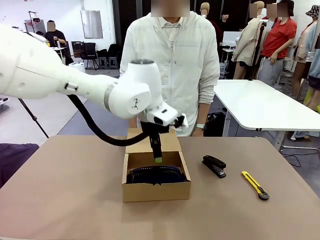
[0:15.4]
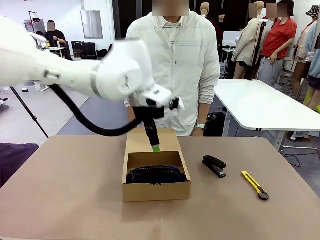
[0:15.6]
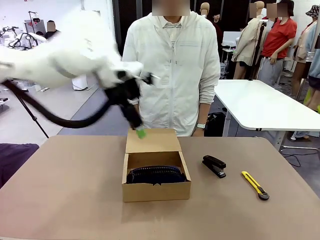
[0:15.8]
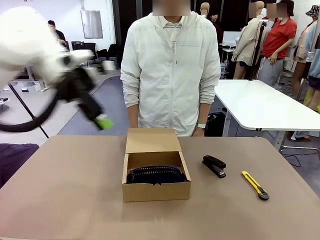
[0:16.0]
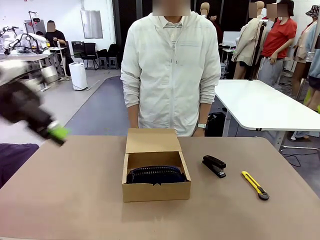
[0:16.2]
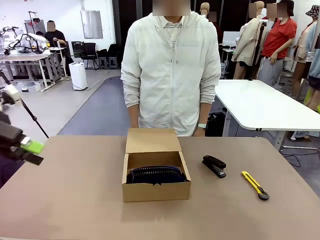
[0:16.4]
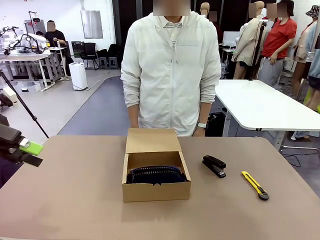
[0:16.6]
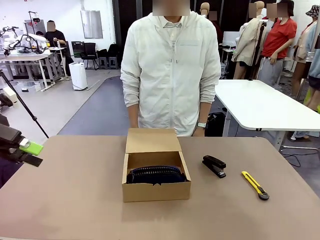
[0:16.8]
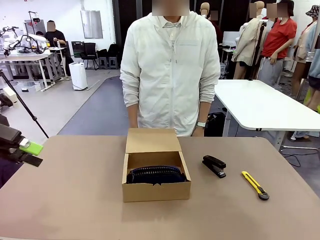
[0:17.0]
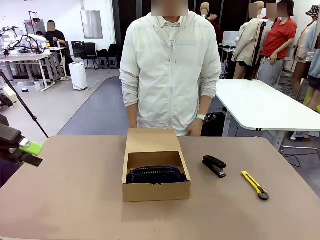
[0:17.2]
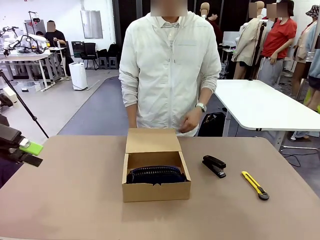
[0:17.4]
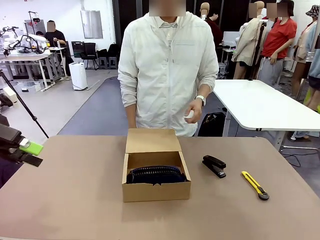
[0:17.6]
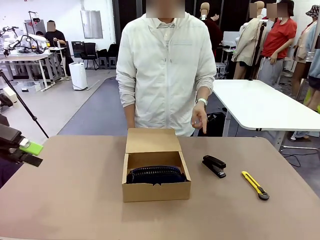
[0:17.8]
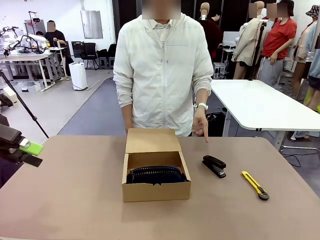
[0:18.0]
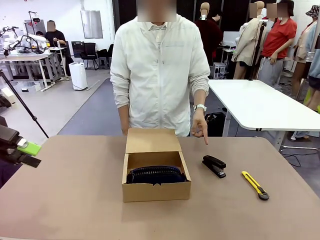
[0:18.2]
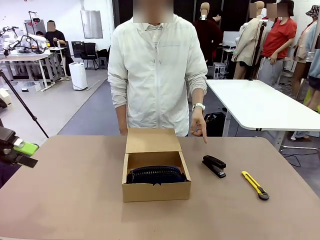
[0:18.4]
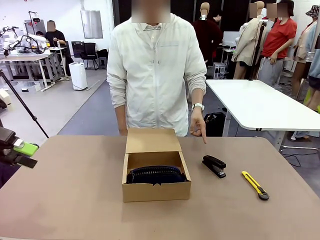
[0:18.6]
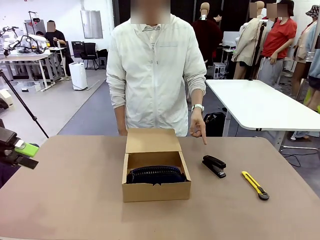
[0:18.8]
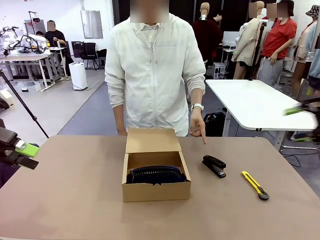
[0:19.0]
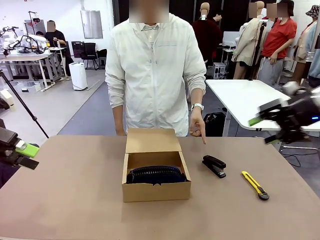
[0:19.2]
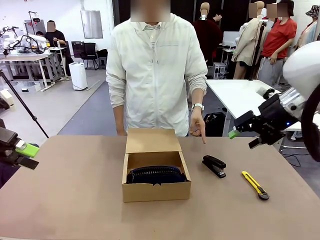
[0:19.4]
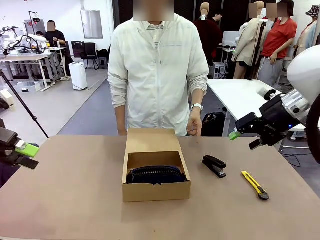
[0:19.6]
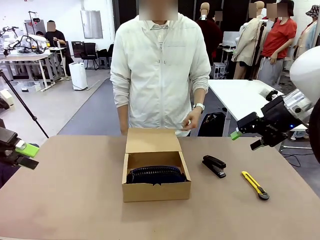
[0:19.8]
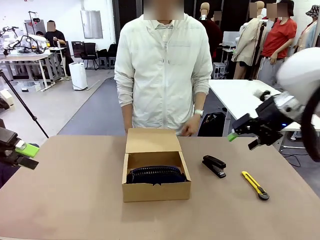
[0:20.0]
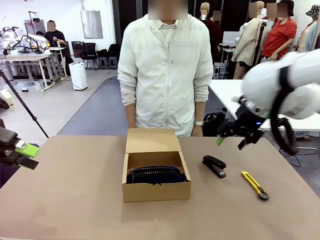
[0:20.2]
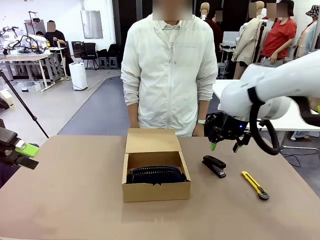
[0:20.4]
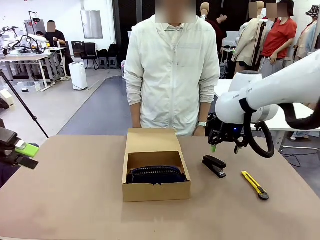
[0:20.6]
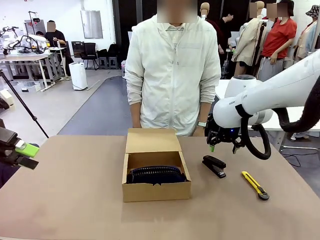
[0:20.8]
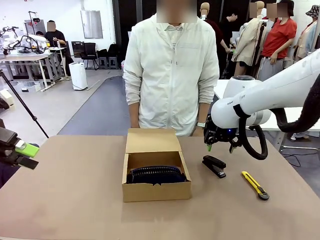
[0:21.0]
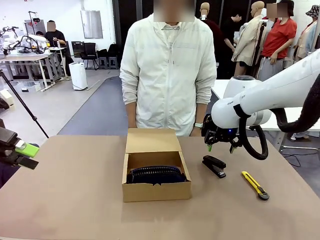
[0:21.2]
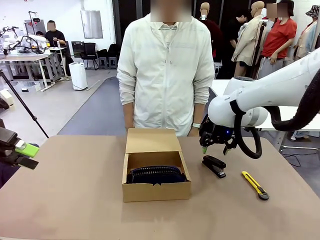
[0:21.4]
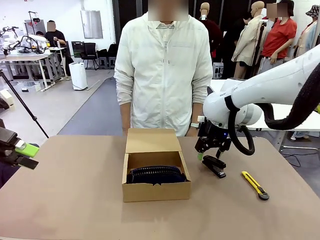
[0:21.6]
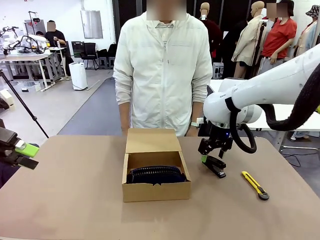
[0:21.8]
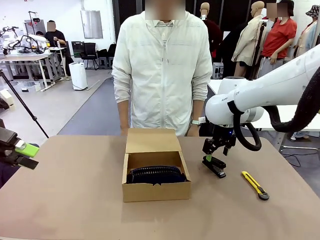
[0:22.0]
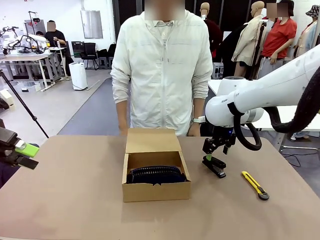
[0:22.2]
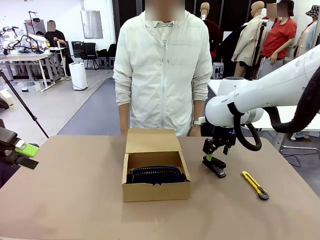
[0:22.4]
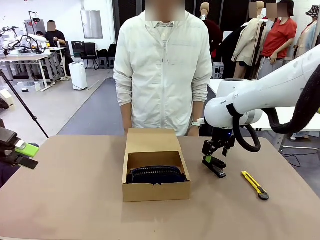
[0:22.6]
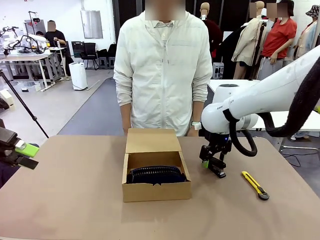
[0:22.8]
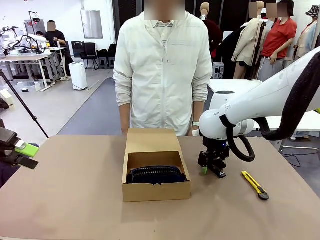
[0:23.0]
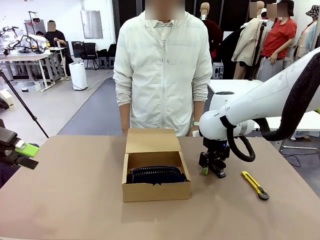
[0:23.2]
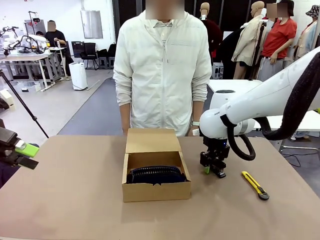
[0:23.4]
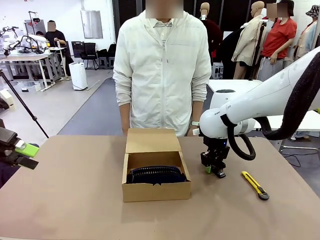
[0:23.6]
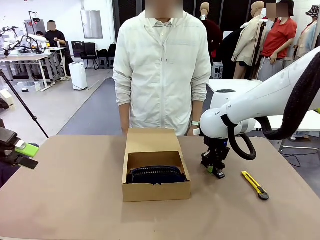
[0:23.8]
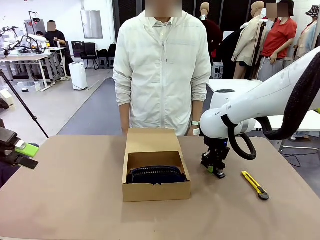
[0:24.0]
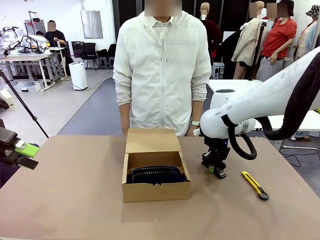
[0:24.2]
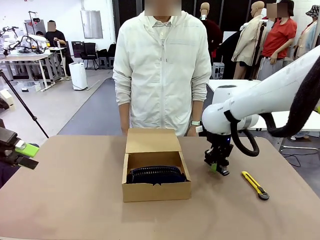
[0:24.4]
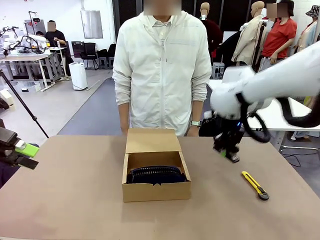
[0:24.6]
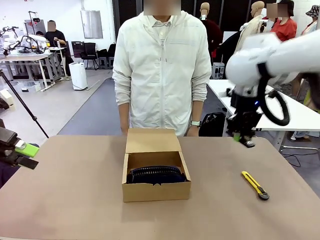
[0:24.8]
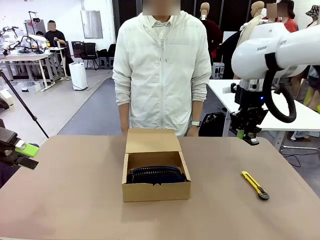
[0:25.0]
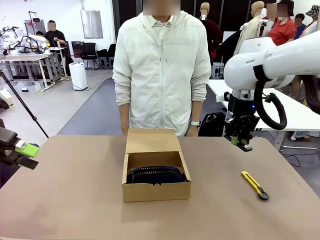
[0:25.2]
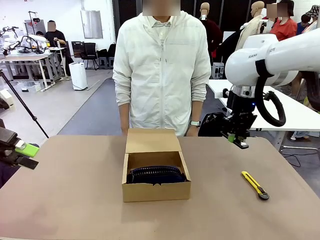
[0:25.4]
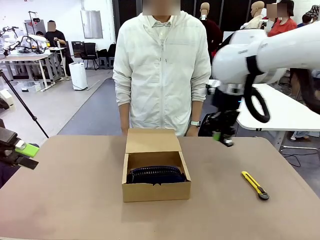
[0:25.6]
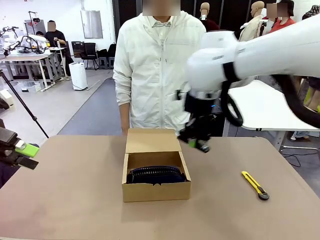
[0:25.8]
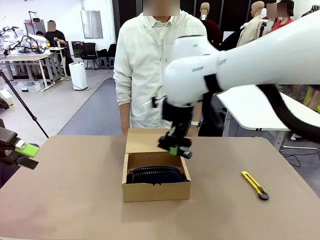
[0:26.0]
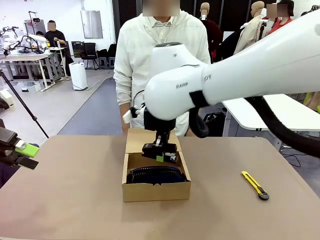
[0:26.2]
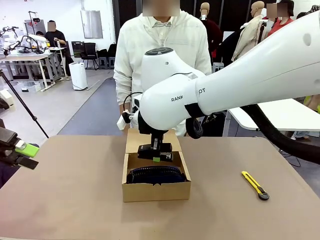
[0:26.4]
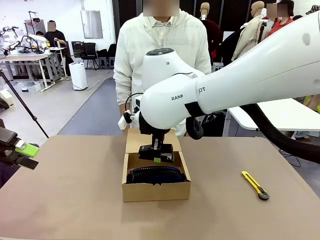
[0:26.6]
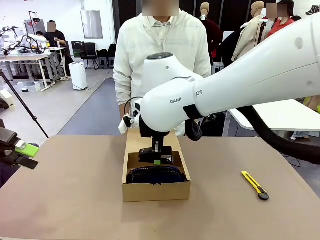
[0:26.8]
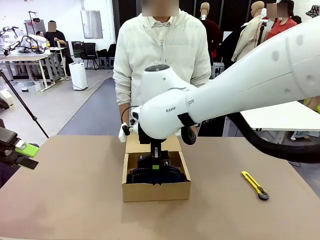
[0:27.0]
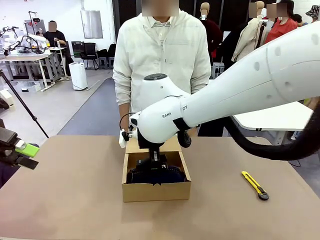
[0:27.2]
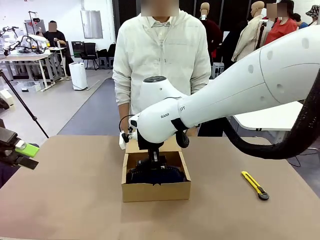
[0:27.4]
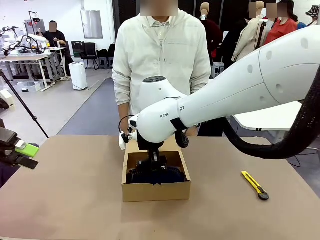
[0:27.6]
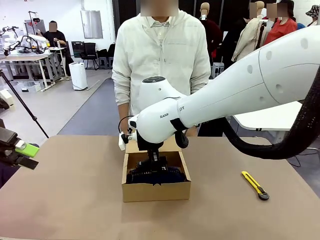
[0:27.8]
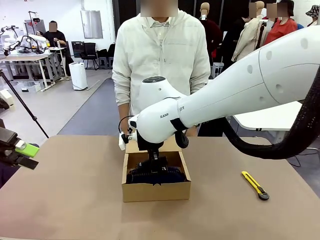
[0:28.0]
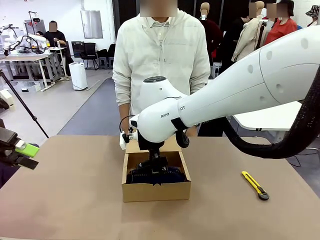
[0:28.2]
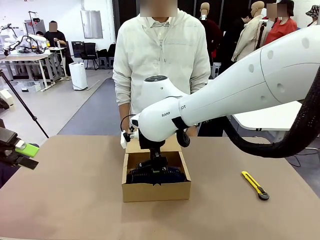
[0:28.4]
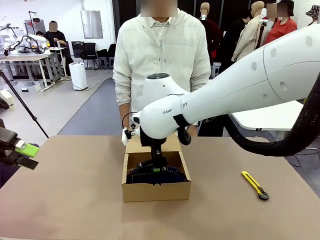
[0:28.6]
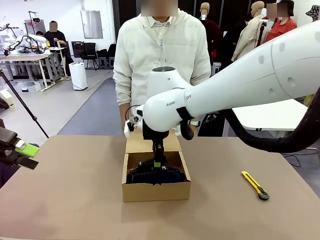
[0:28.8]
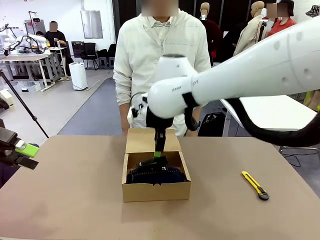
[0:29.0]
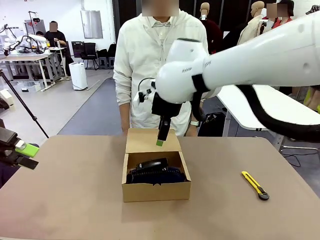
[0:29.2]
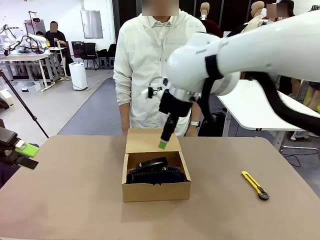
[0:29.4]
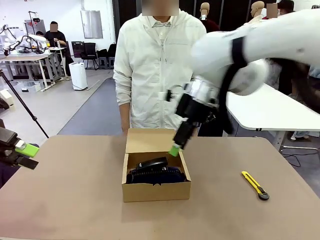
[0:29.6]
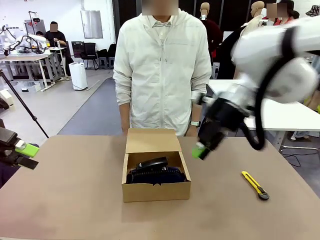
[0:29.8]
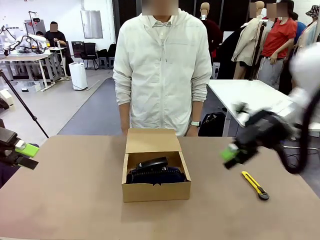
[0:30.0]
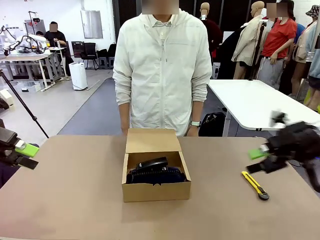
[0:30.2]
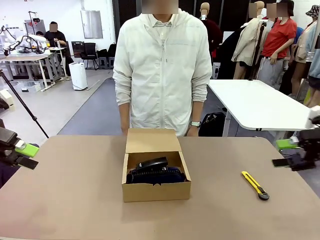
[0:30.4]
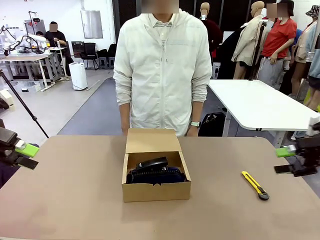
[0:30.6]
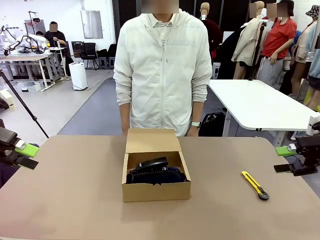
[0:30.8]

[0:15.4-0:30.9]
Task: Pack the items into the box.
Robot: Pick up the item specified by the human and place it in the Mailer Box.
Person: Lower both hands vertically with palms facing downward, as if pressing something closed.
